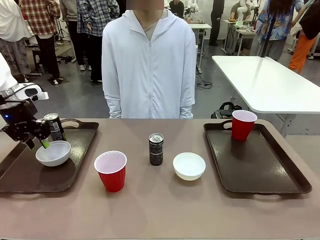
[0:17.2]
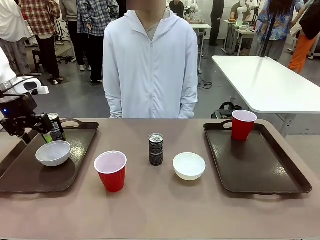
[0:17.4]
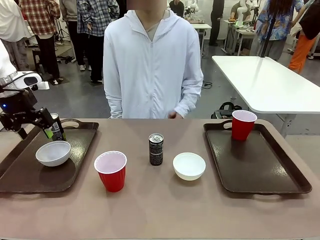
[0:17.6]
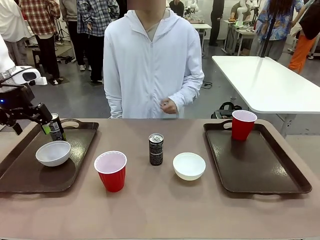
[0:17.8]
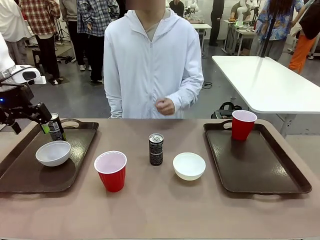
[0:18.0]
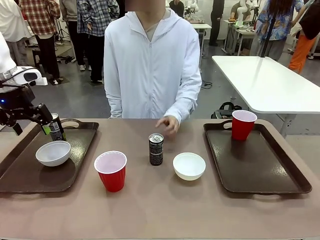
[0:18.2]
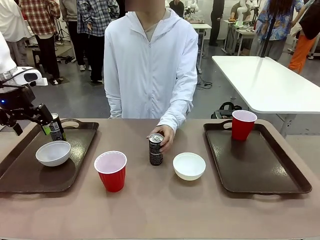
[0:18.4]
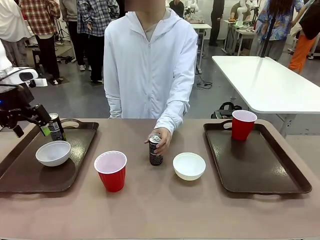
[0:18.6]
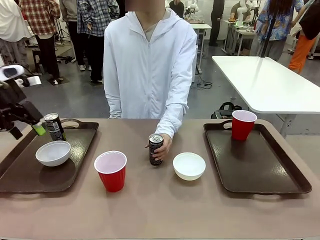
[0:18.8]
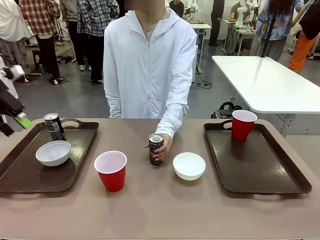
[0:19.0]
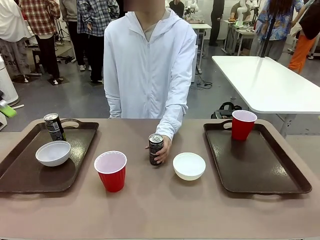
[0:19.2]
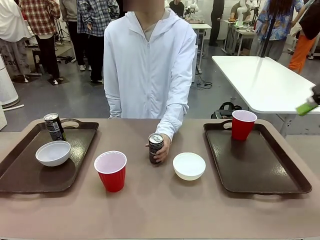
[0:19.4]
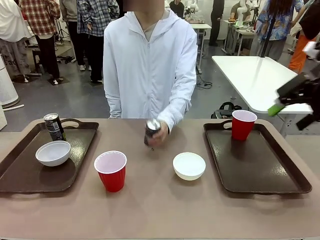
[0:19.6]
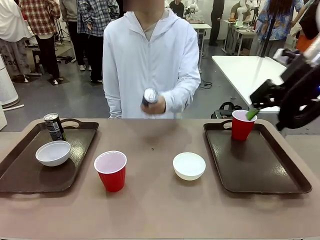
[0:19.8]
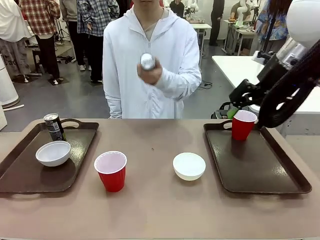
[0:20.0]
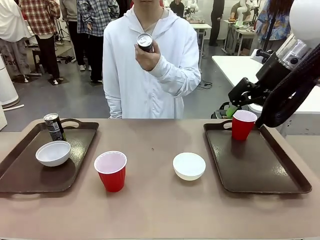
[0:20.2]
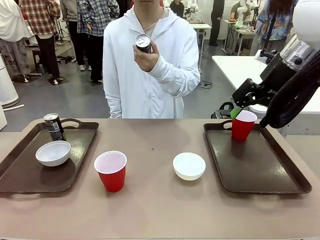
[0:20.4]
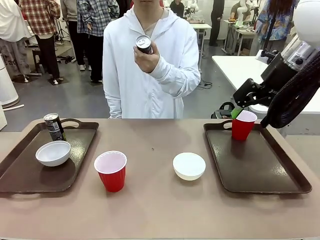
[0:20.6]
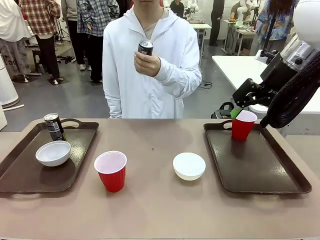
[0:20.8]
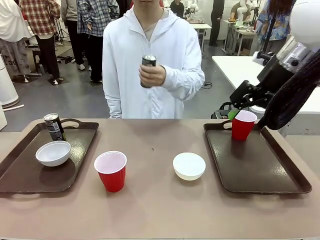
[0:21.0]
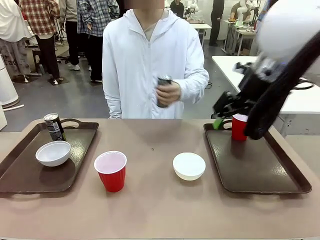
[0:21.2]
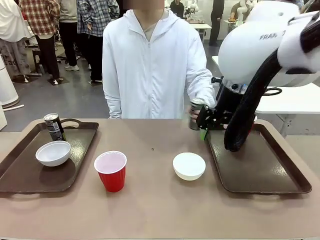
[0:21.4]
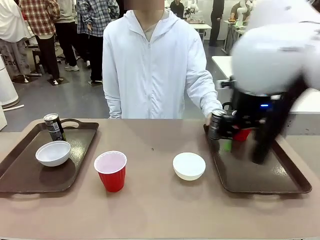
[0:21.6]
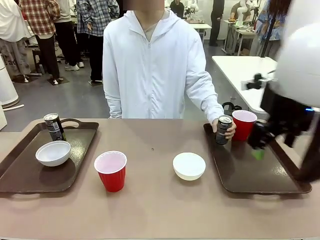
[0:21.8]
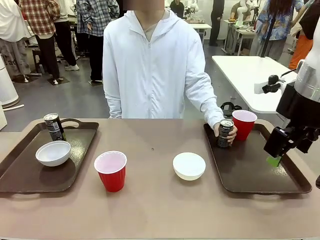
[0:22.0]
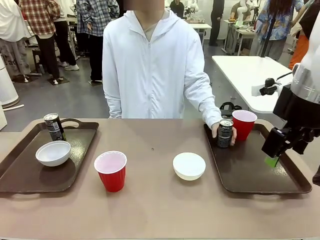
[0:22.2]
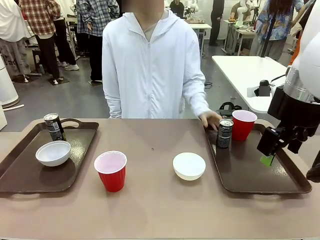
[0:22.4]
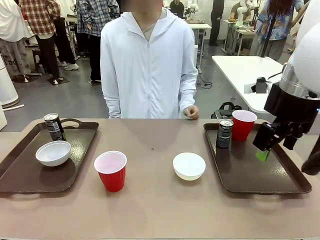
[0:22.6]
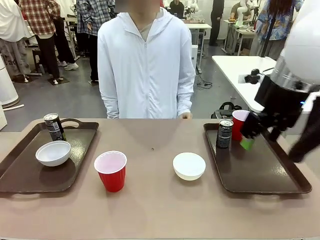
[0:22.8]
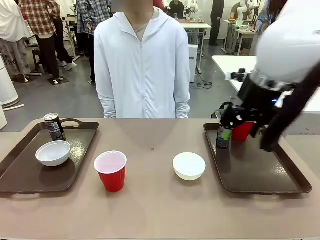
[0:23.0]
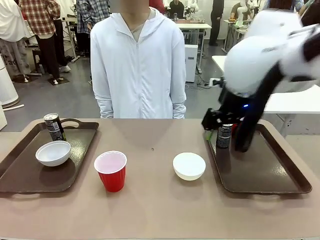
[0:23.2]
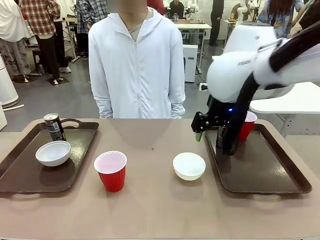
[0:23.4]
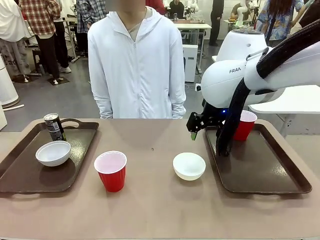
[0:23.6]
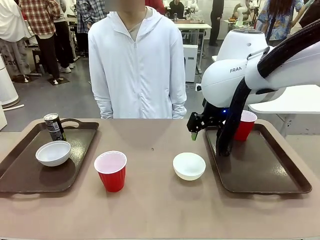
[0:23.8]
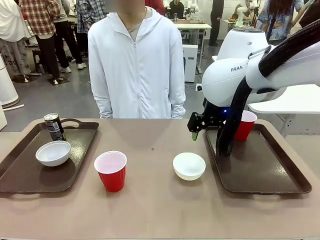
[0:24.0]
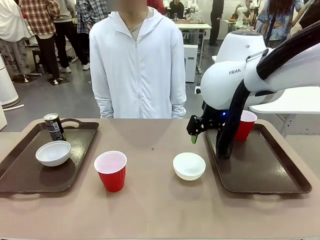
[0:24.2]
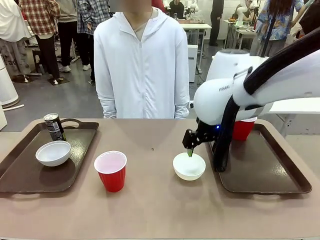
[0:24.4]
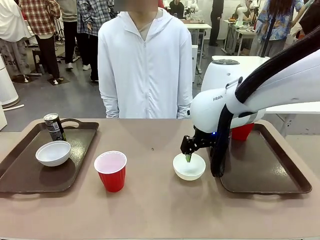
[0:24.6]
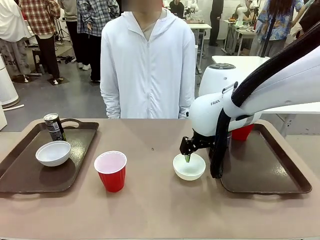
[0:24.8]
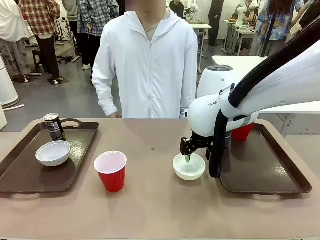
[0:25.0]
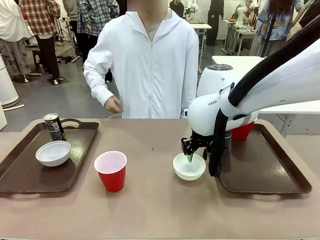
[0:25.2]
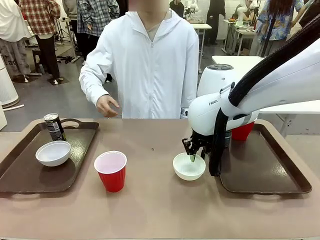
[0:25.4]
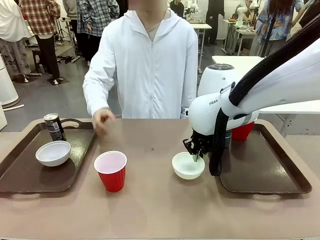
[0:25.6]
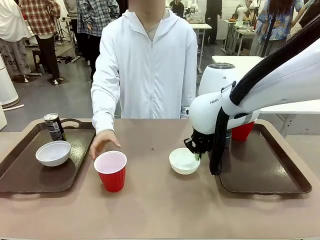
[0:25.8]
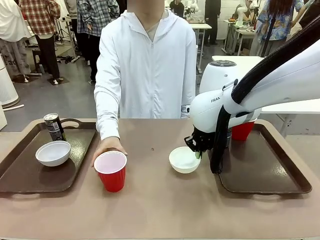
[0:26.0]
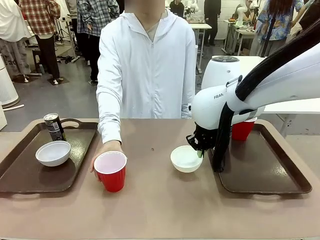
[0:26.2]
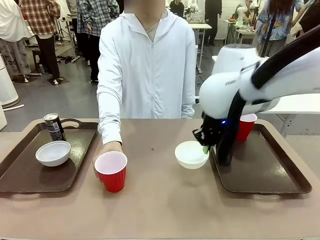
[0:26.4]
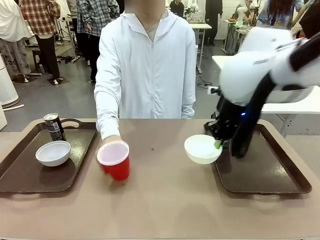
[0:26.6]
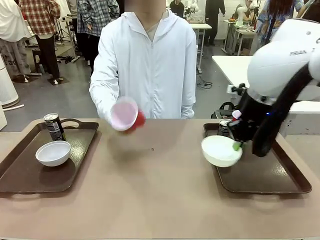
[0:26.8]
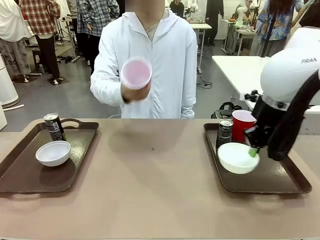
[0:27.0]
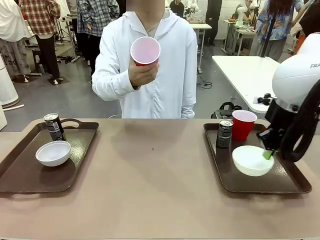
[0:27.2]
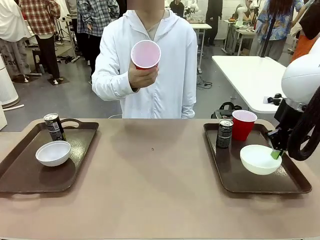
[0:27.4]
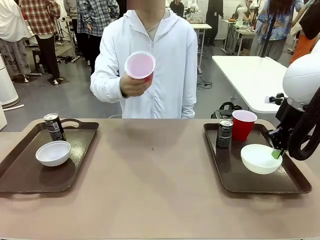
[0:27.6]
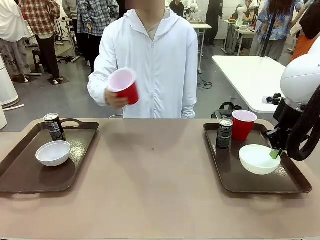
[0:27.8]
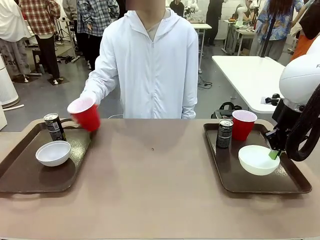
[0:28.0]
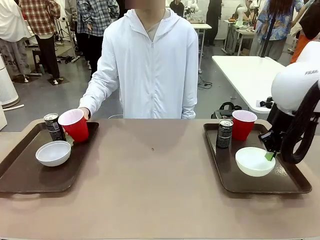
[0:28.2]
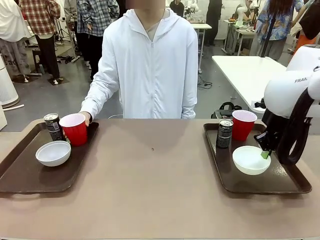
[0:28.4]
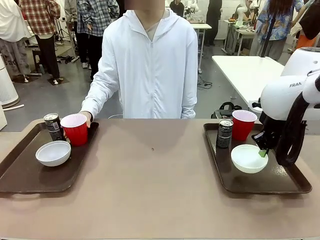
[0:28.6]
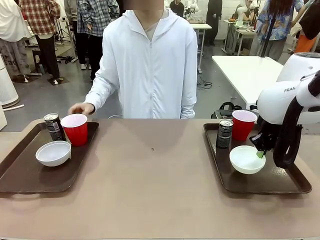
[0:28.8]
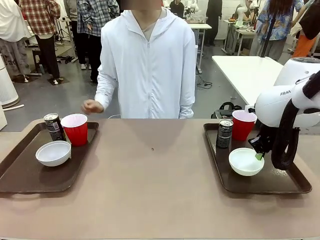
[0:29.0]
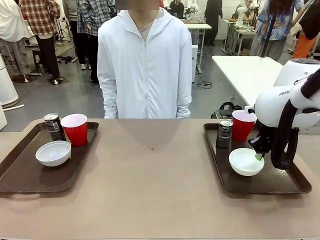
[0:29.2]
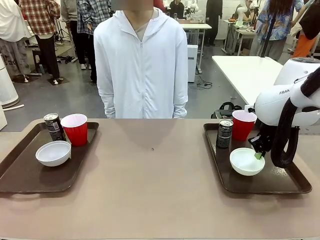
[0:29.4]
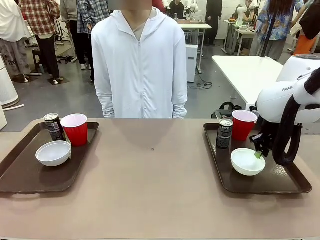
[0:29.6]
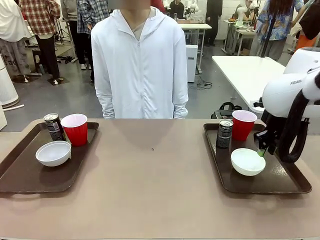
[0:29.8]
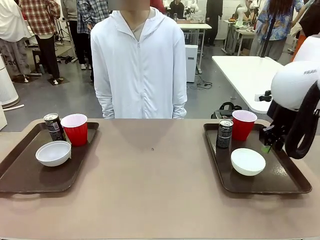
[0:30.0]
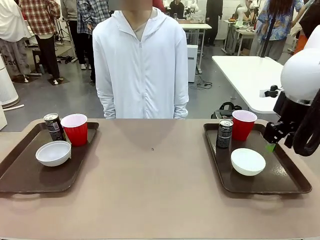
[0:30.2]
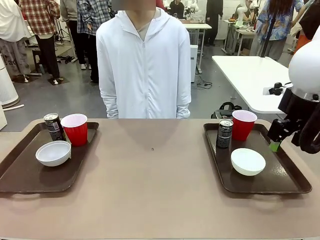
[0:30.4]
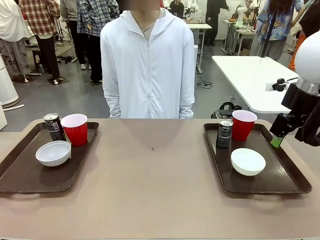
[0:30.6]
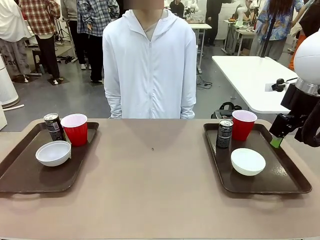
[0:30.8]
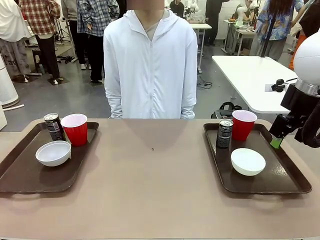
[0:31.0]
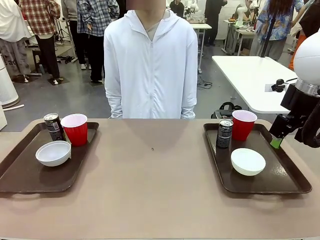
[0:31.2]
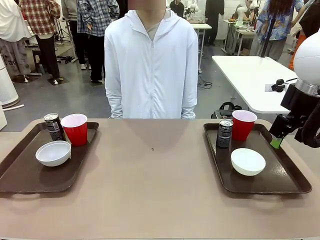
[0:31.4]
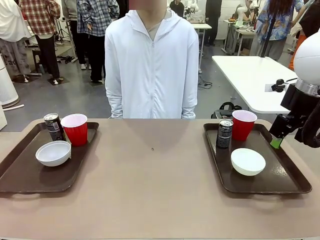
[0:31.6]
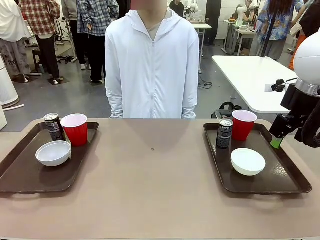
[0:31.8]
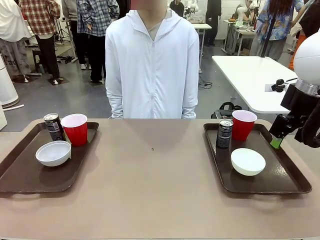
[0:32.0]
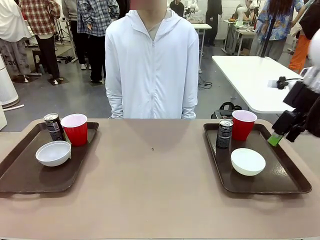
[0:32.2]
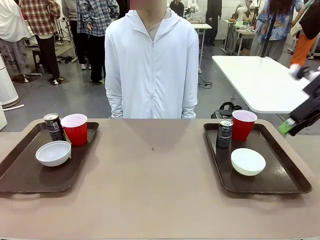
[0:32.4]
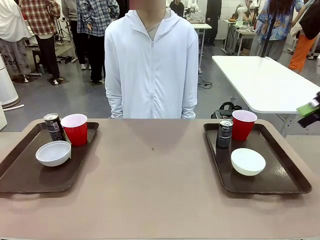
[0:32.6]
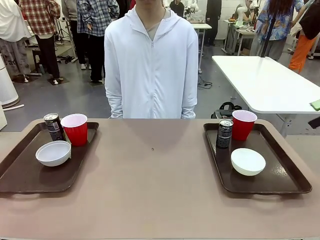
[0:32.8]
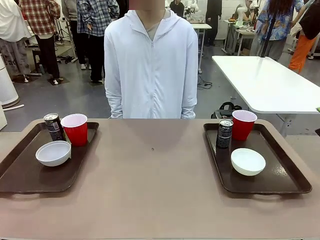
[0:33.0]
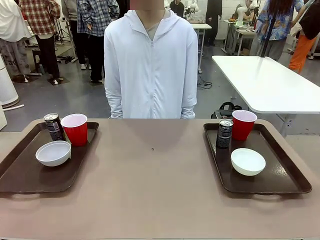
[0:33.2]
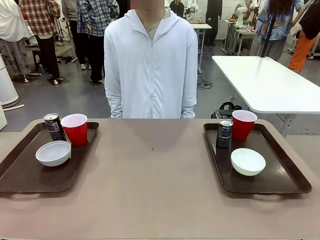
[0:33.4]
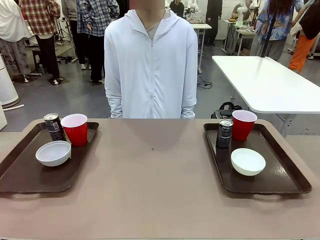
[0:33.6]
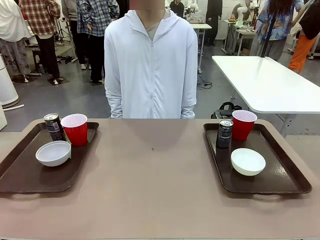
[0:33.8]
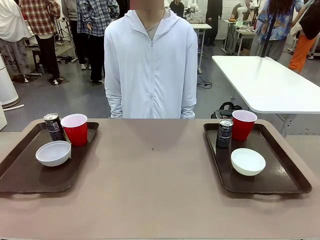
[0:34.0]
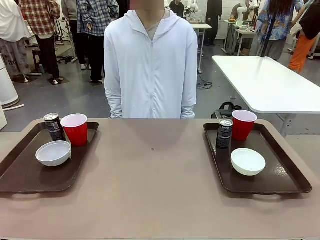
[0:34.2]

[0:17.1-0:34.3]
Task: Prepare tableware on both trays.
Robot: Pick up a Picnic Bowl from the table and place it on a Handle tray.
Person: Pick up a can or cup and place it on the tray without a can or cup.
